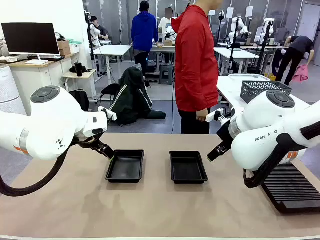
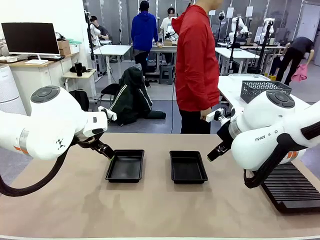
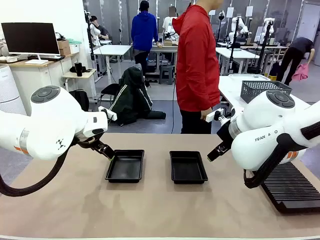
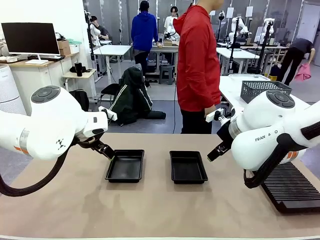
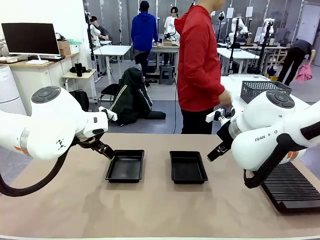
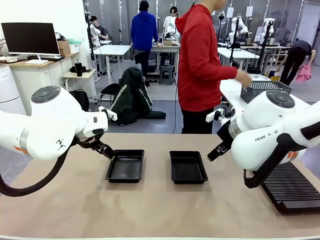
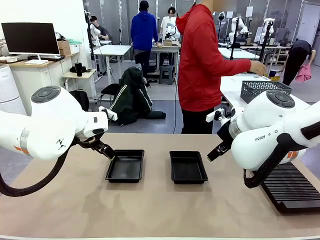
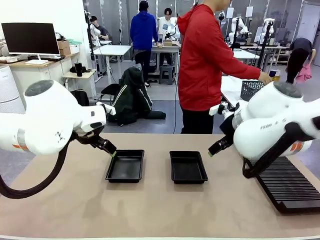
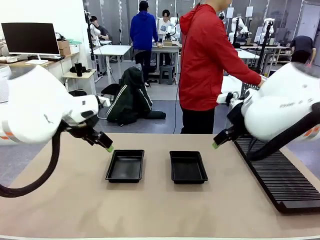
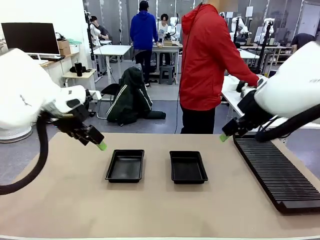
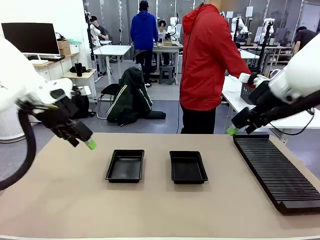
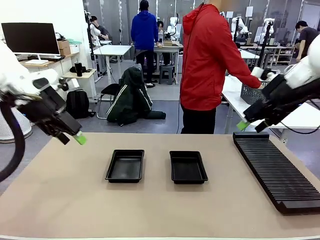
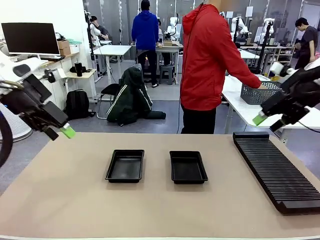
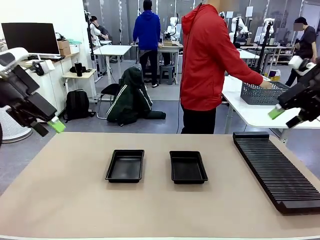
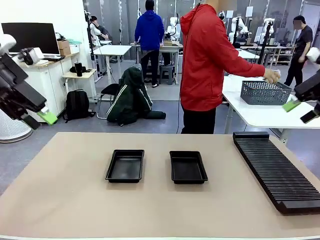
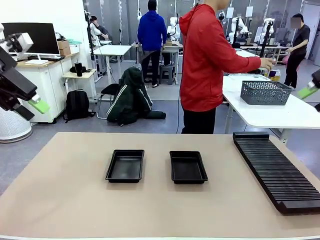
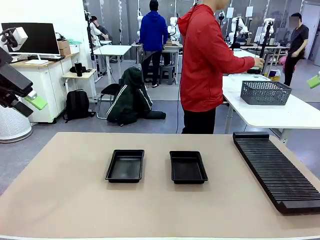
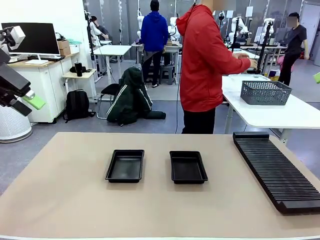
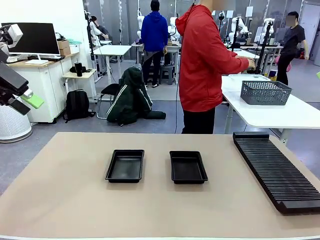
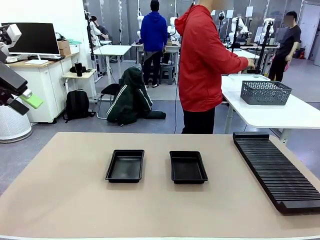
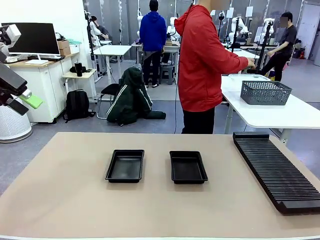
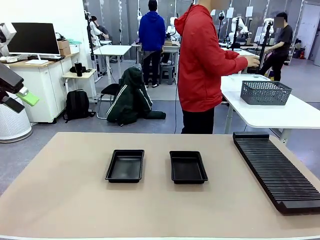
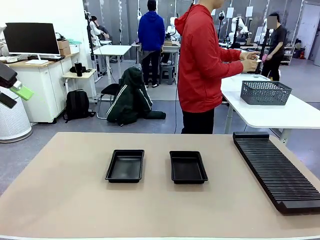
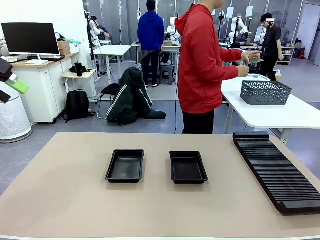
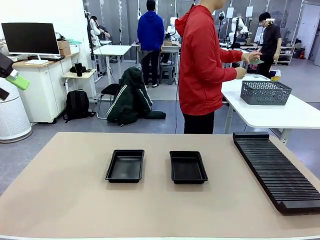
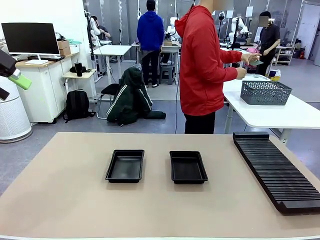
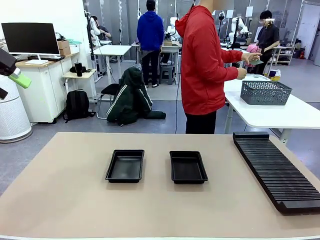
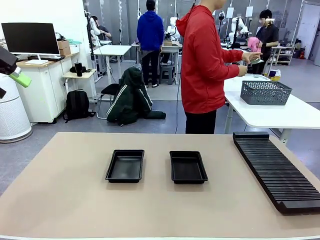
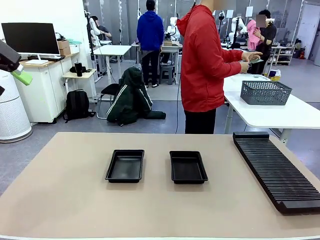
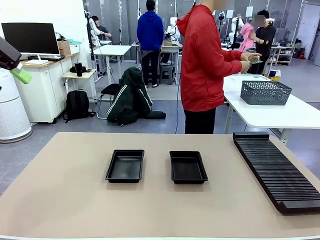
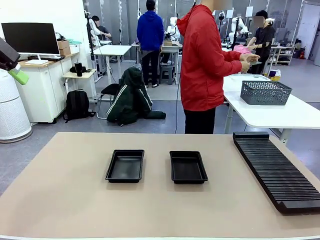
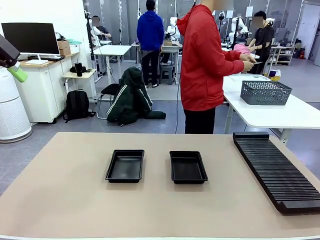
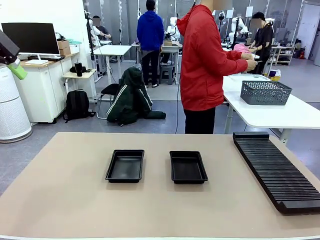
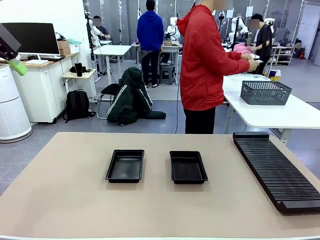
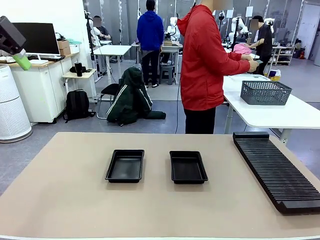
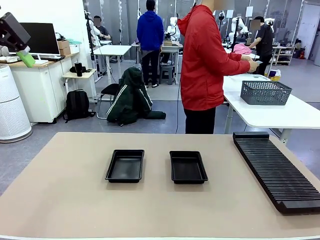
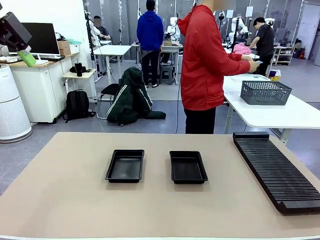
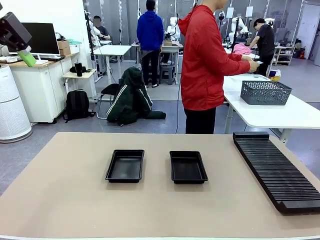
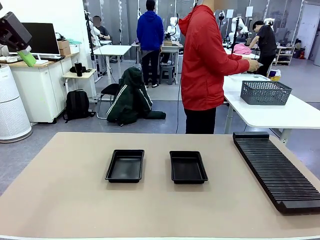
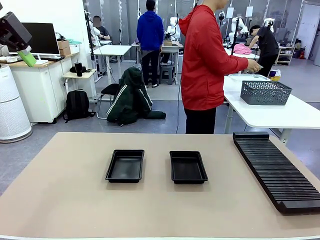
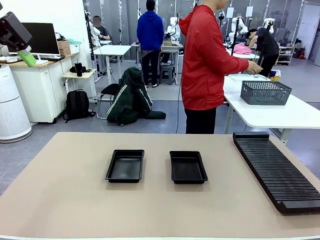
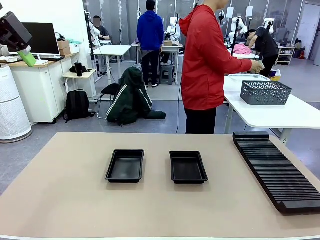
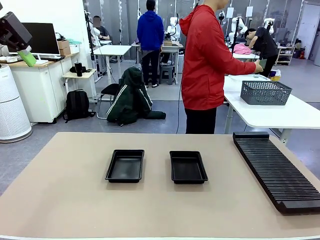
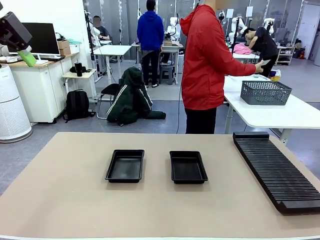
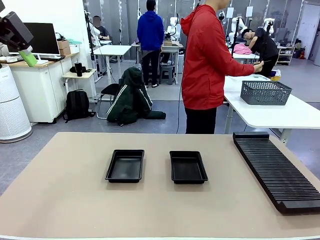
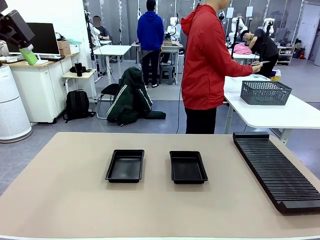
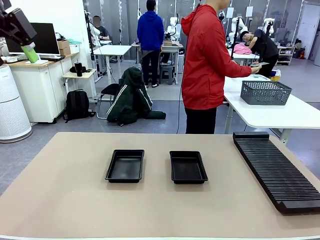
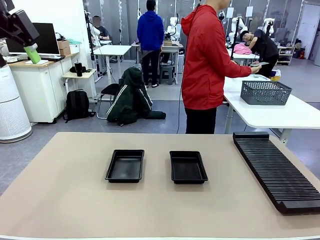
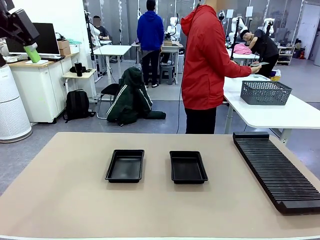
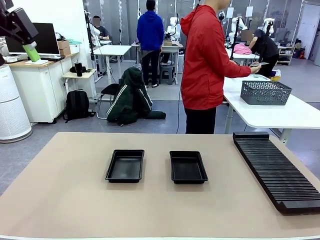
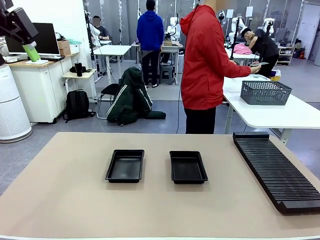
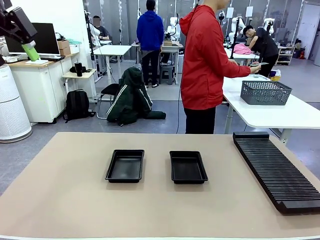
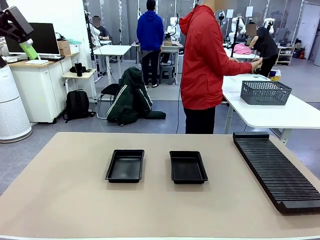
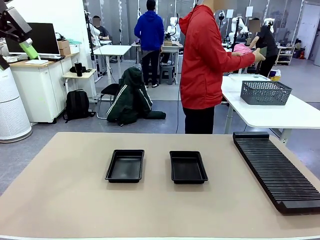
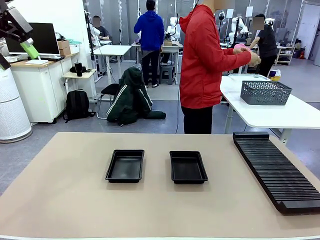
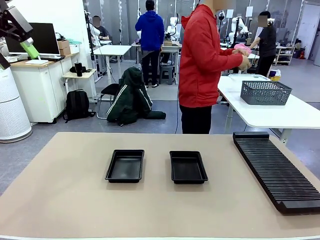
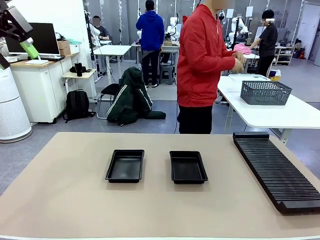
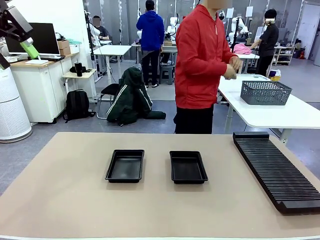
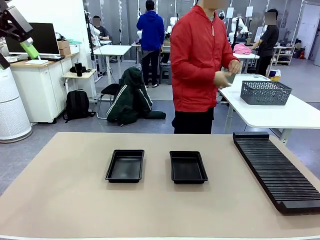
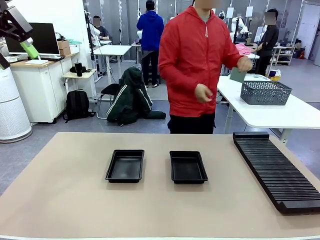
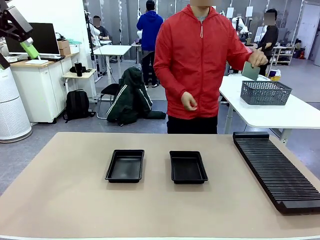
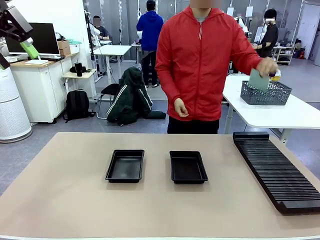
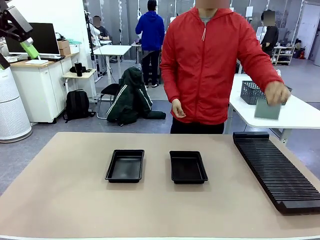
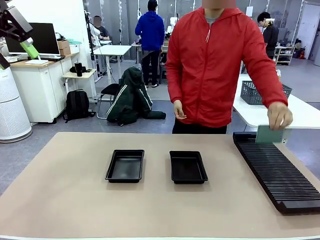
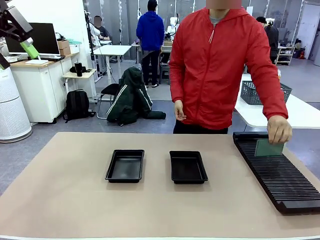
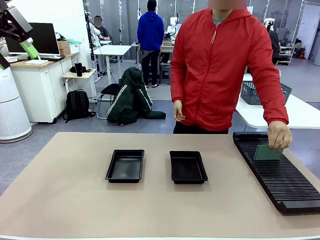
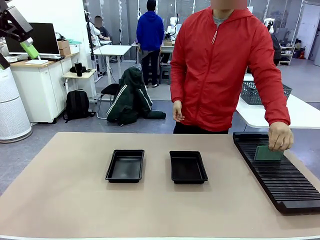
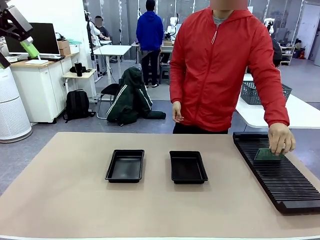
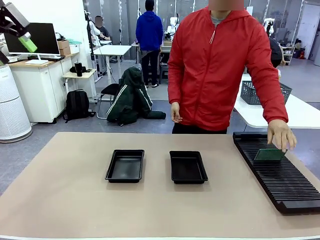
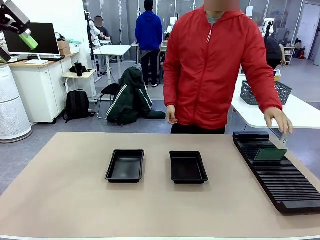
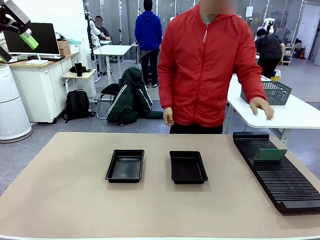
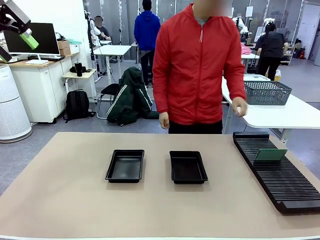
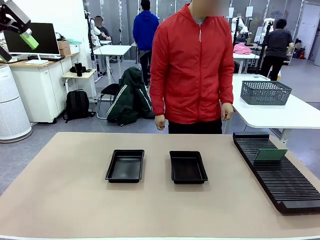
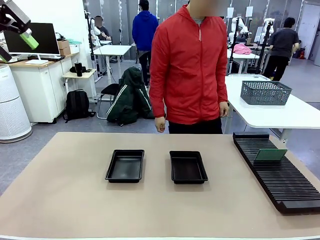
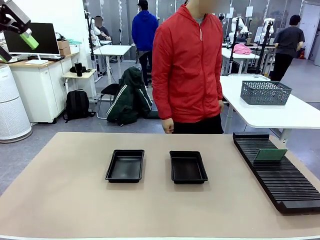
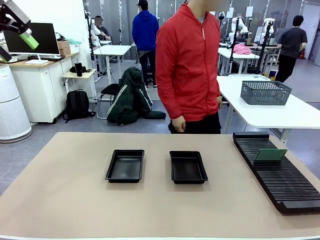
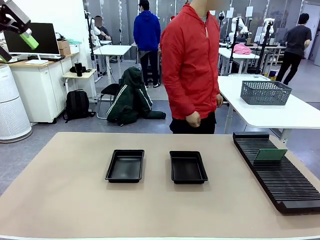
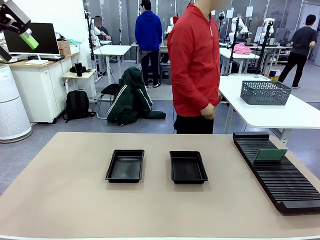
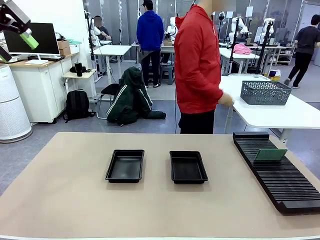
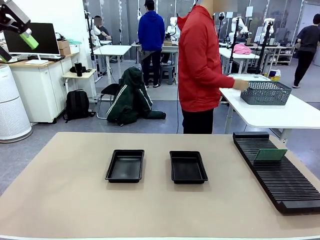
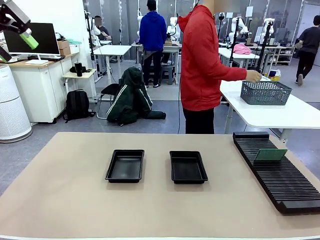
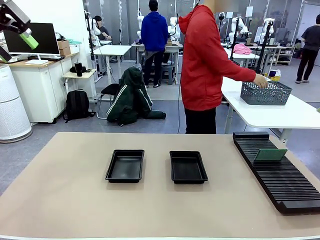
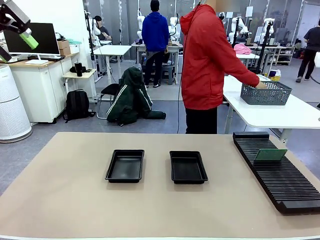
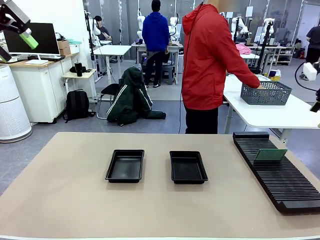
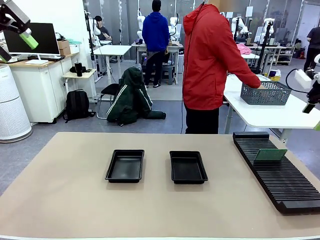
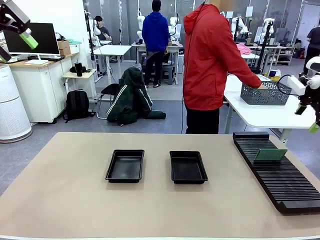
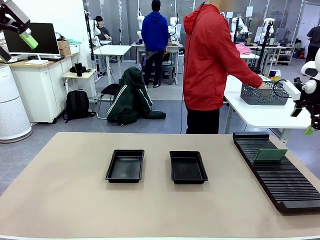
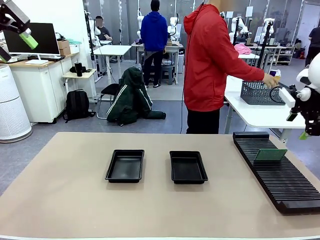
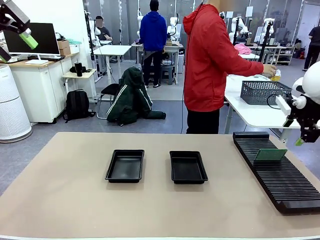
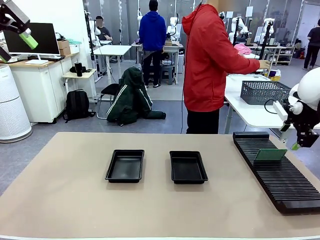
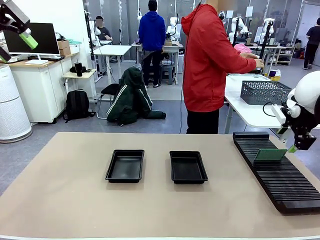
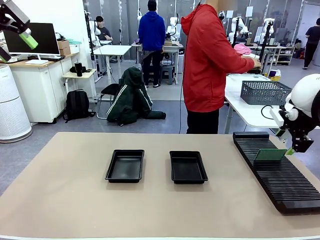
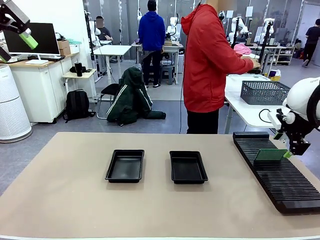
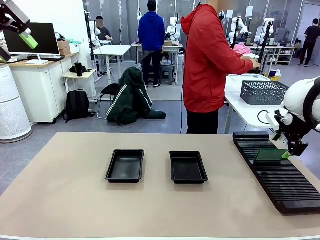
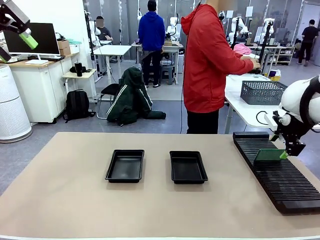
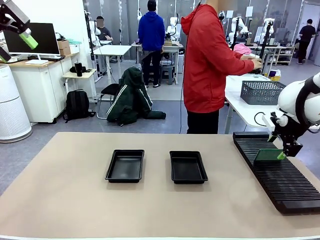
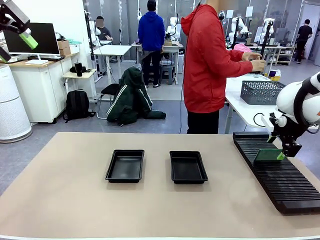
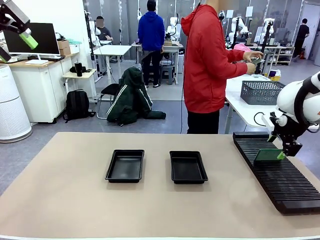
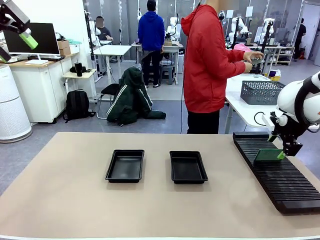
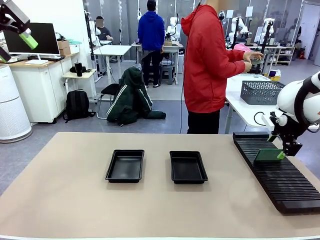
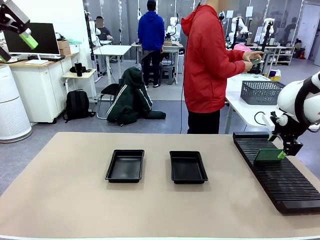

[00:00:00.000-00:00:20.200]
Task: Inspect and transfer BCBs to ESD trays.
Robot: Pick up the Blank PCB from the PCB Rack and place it in the left ESD tray.
